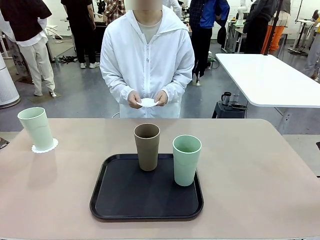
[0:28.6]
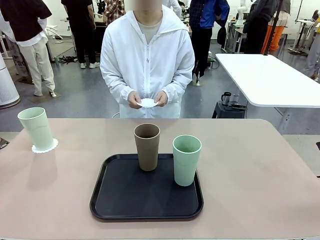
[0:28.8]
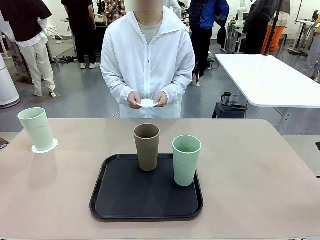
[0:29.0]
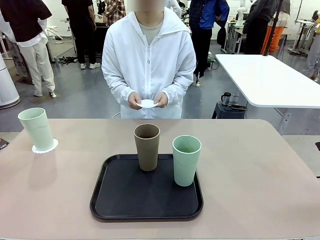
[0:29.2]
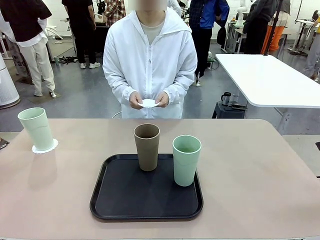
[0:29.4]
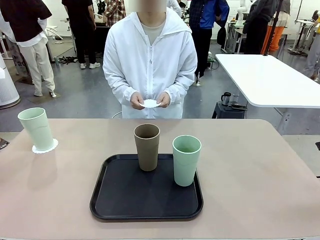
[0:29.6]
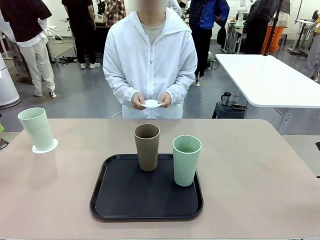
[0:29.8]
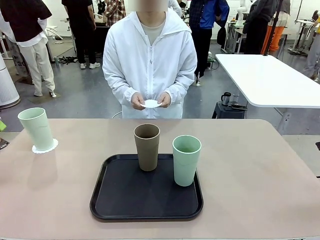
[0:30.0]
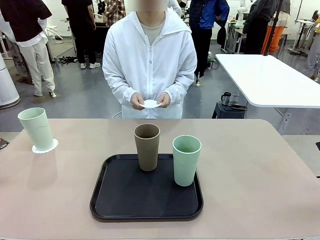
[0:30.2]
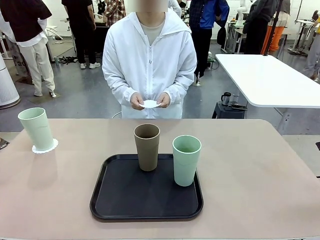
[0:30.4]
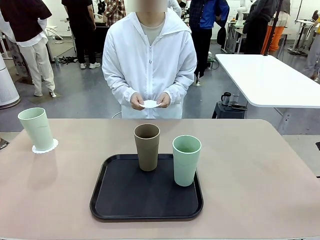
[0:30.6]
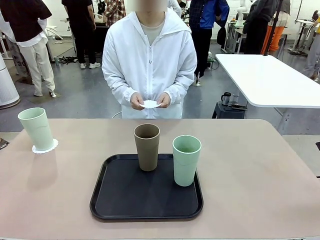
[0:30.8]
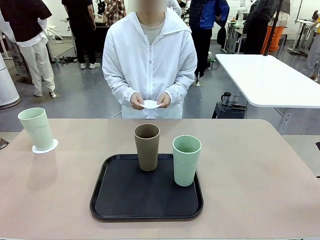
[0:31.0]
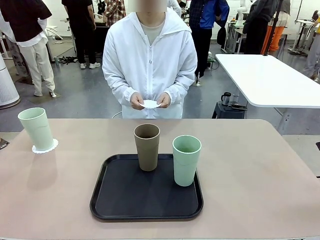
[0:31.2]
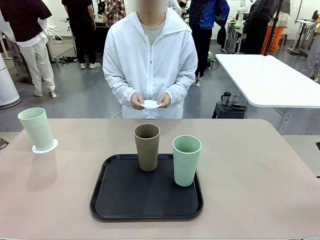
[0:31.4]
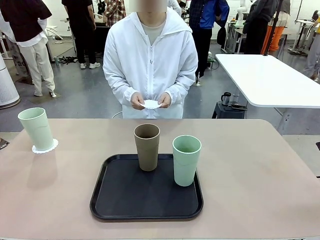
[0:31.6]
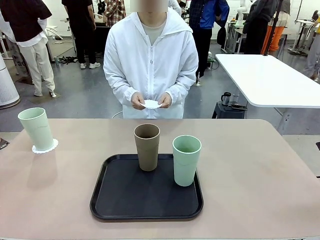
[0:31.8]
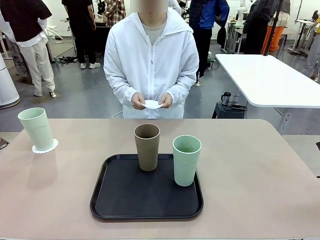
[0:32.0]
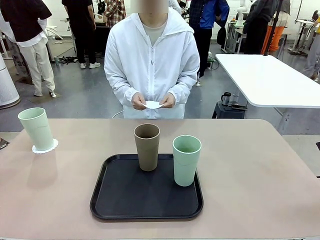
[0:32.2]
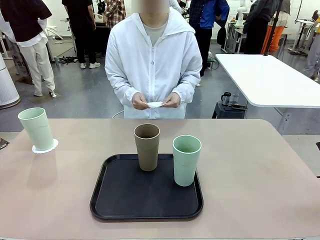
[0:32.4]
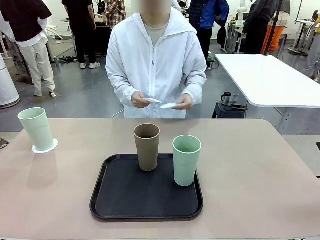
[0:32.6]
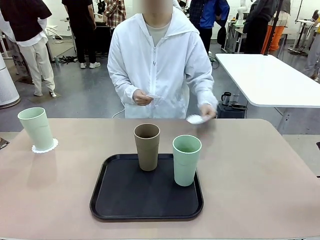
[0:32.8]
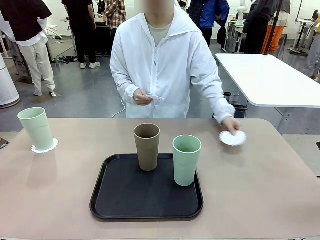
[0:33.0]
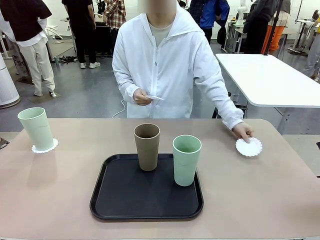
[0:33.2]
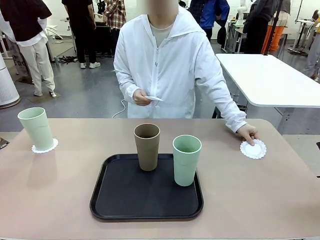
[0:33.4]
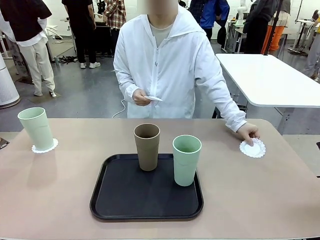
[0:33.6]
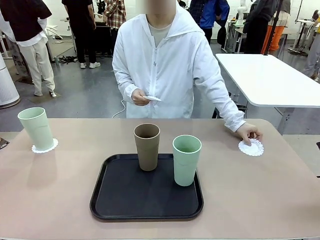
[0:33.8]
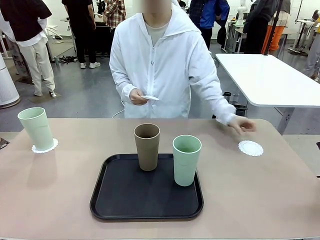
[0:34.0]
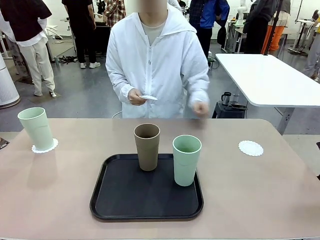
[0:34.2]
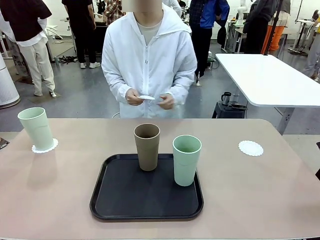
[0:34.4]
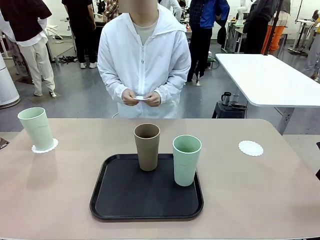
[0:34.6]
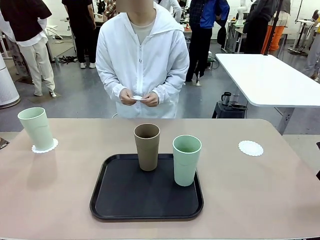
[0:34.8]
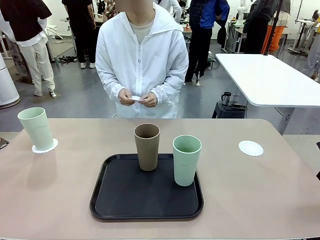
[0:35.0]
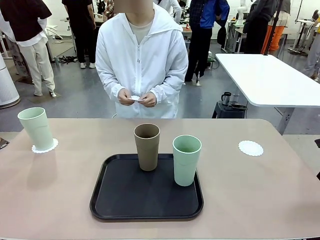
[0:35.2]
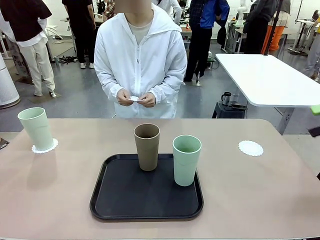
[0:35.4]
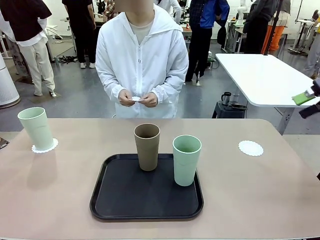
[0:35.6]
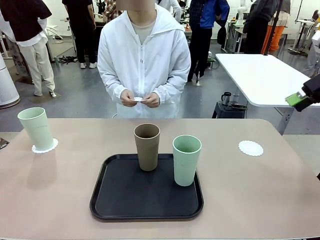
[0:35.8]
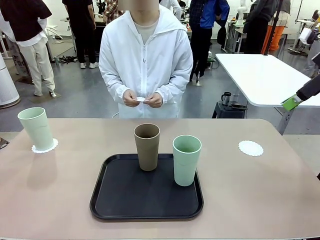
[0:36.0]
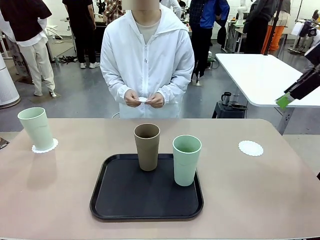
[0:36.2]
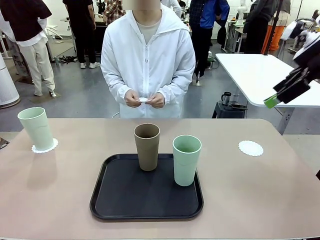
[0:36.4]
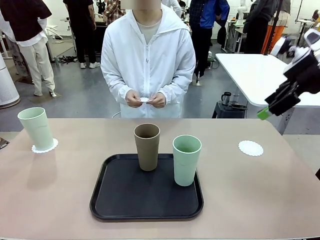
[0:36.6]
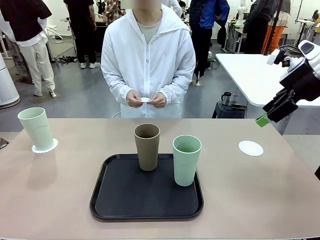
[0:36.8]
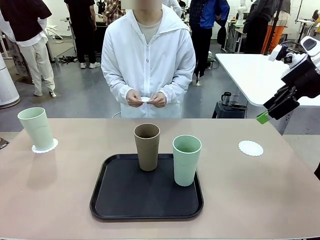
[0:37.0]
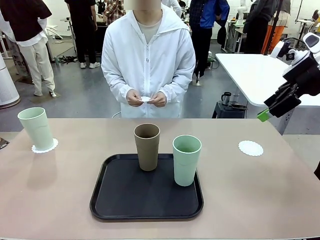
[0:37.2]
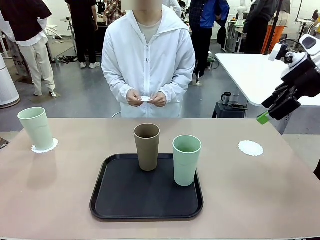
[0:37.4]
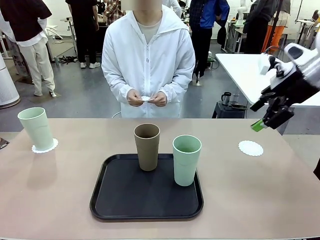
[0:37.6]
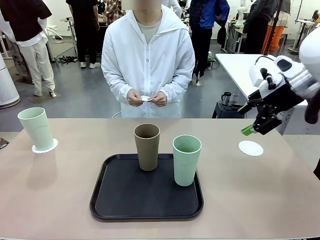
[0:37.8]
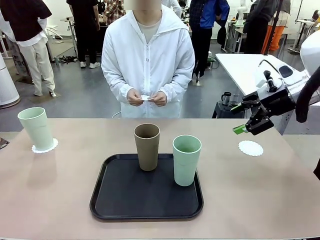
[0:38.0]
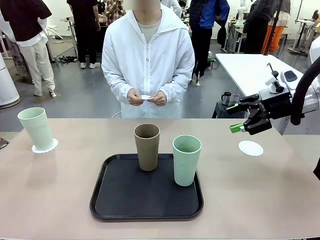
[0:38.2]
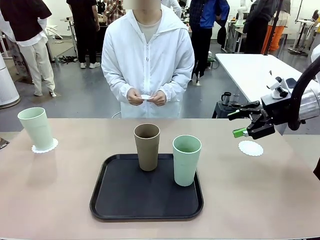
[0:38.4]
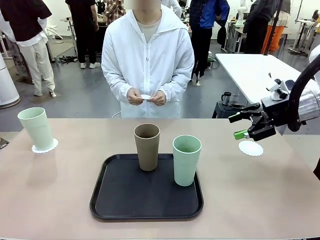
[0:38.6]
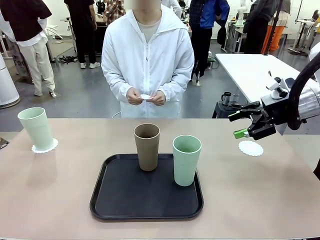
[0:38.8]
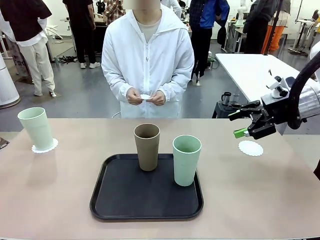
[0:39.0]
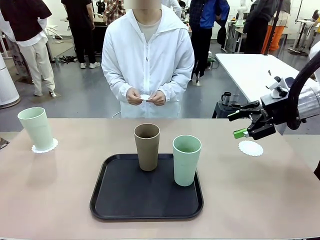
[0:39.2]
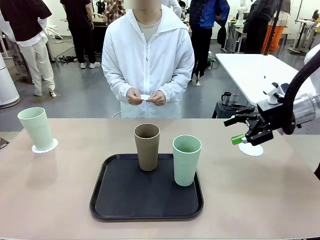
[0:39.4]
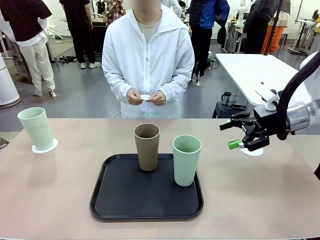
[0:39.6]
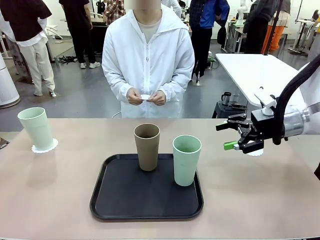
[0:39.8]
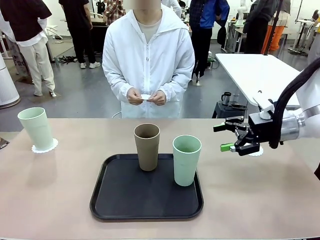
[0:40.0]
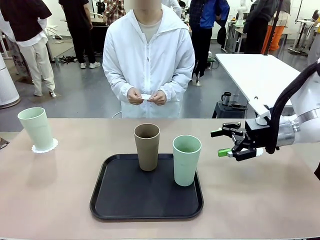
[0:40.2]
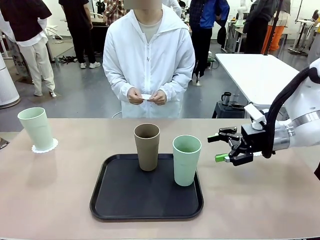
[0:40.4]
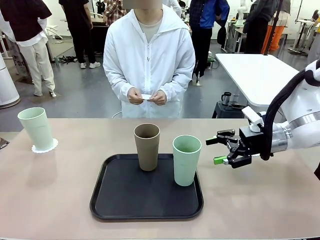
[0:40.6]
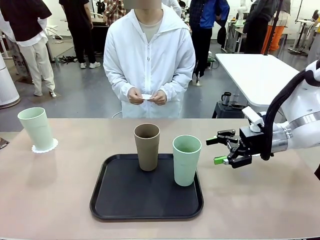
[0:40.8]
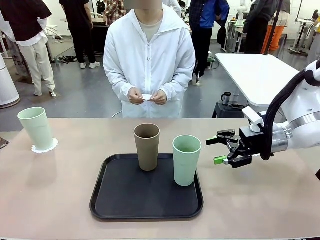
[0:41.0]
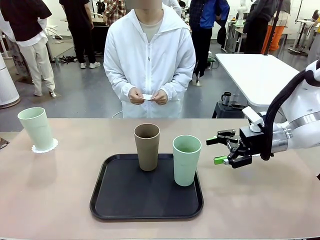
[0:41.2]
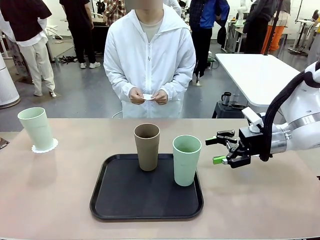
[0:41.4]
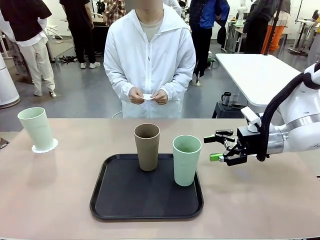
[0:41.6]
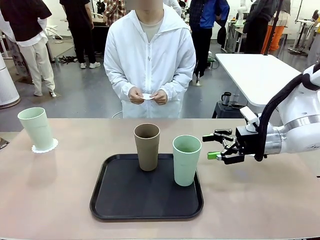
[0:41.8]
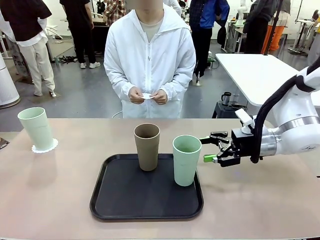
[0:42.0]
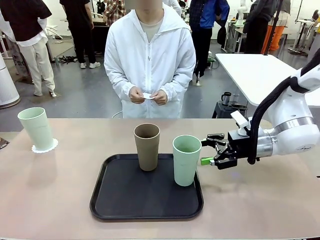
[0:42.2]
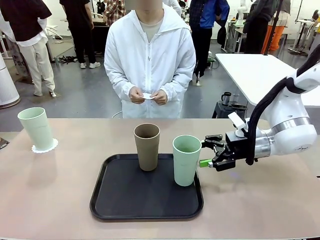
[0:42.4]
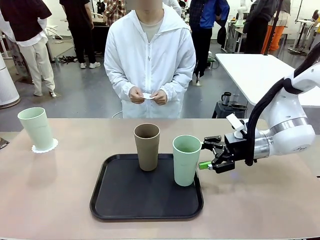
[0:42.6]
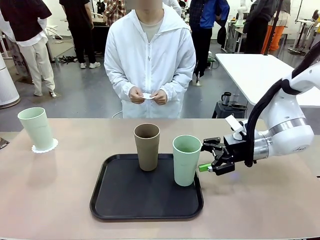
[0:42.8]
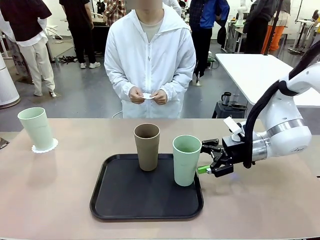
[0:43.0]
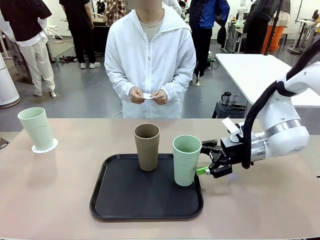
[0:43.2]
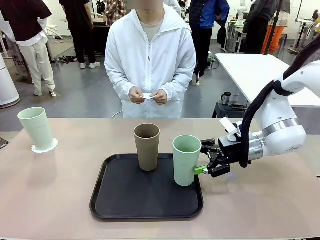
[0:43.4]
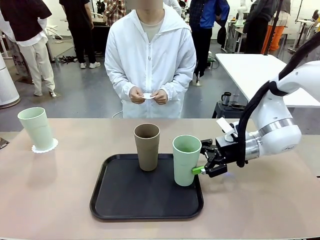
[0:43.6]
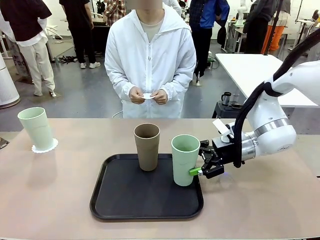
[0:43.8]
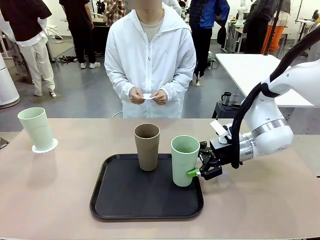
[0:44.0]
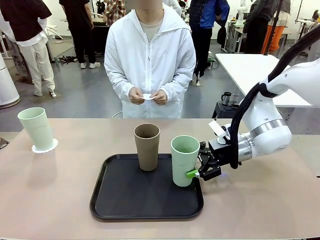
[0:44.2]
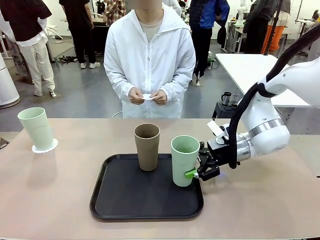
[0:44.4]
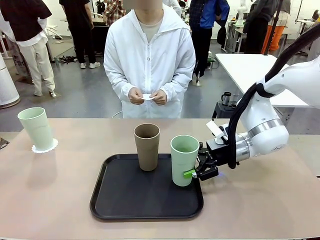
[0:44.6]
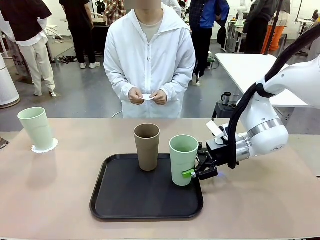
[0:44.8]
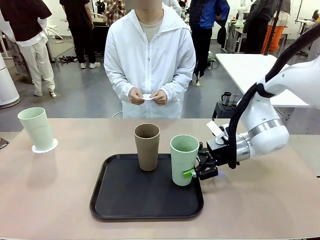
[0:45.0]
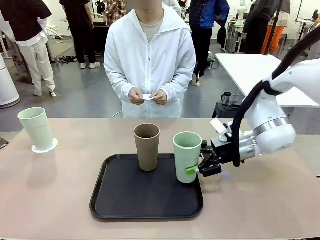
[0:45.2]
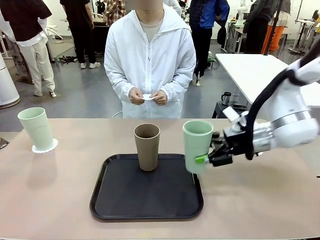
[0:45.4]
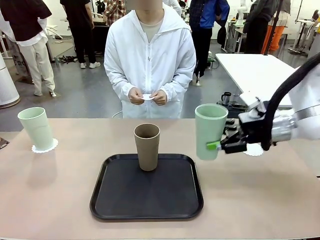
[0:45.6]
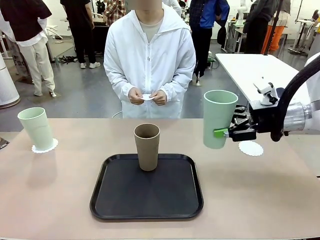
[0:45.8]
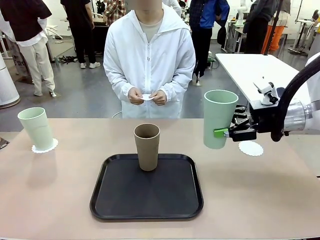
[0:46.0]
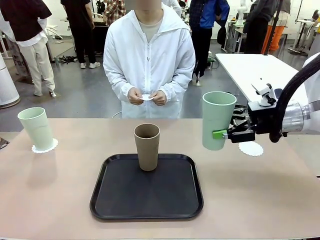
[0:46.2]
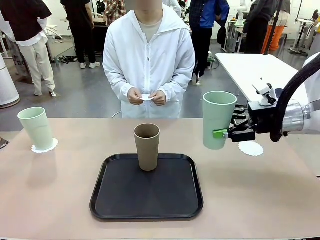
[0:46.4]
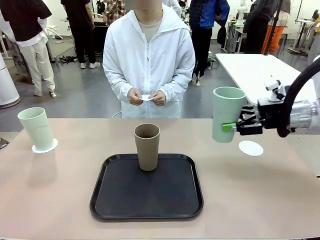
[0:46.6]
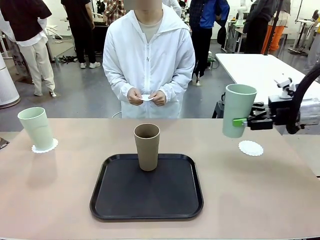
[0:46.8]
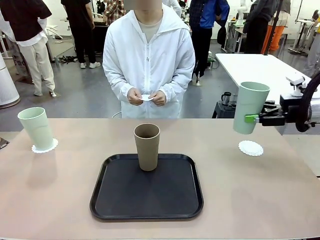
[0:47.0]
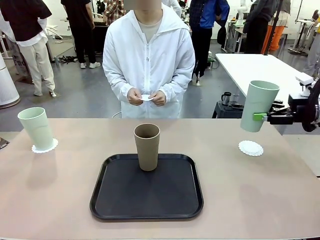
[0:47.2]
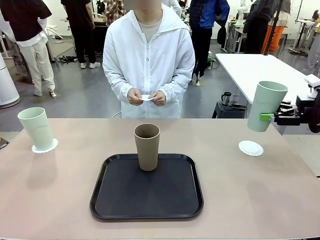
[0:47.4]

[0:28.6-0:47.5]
Task: Place coasters on the table and set cups on them.
Robot: Take one Reusable plastic cup from the Flat Tray and place it on a coaster set by the human.
